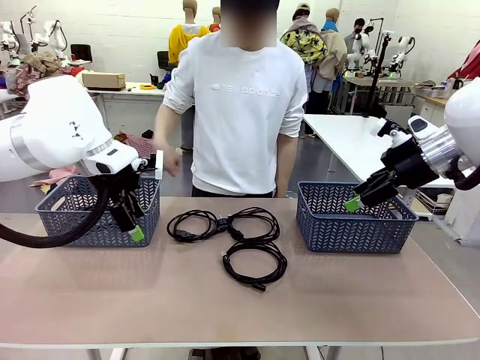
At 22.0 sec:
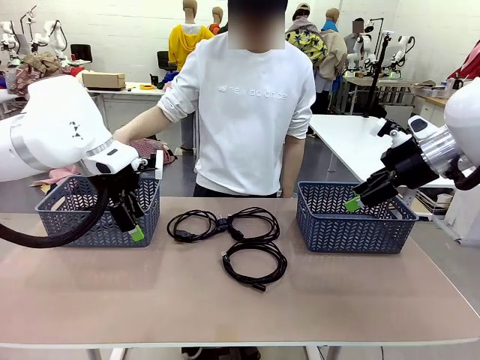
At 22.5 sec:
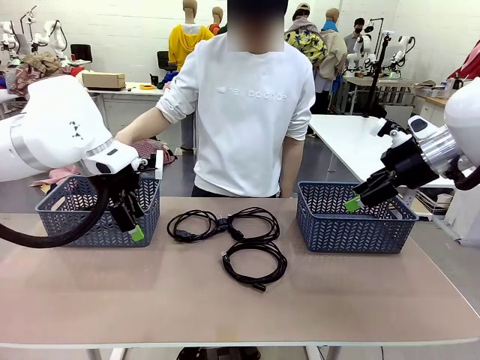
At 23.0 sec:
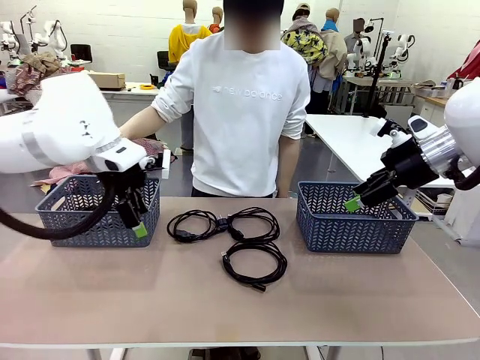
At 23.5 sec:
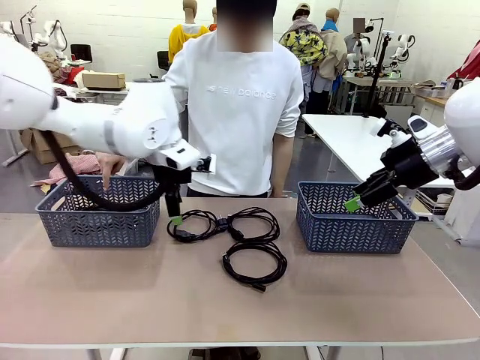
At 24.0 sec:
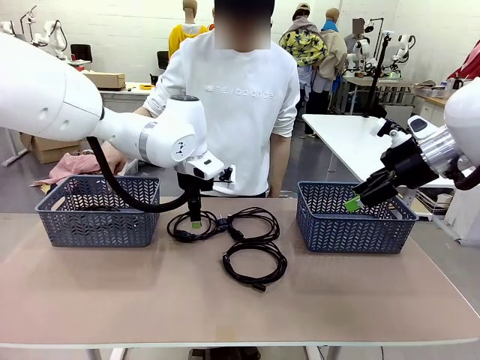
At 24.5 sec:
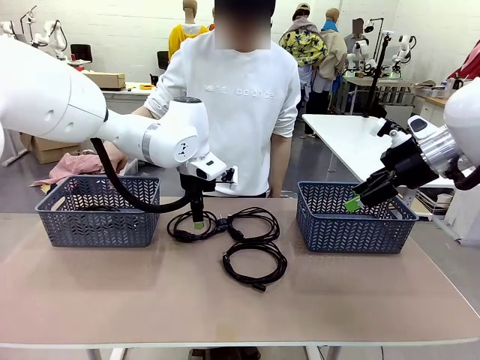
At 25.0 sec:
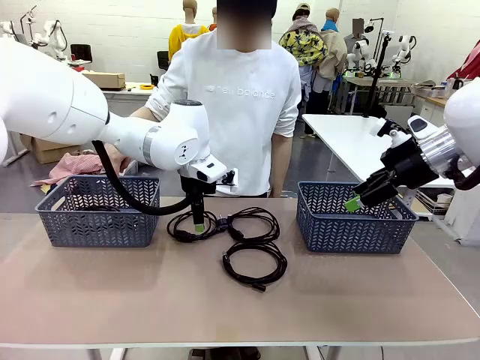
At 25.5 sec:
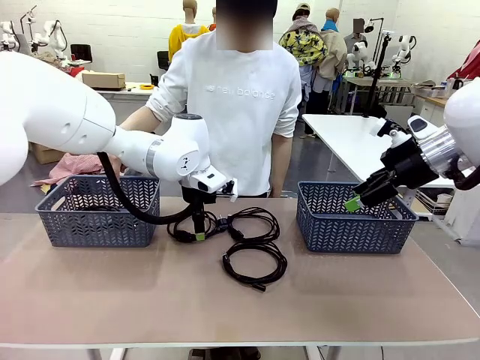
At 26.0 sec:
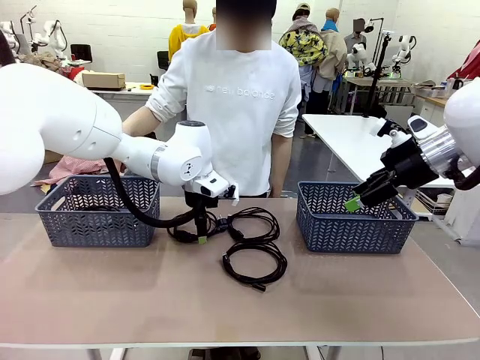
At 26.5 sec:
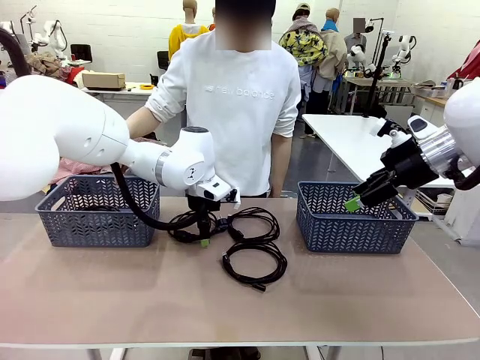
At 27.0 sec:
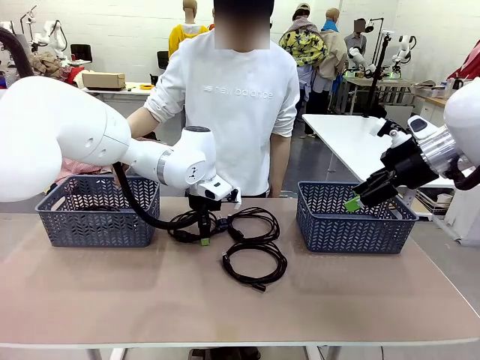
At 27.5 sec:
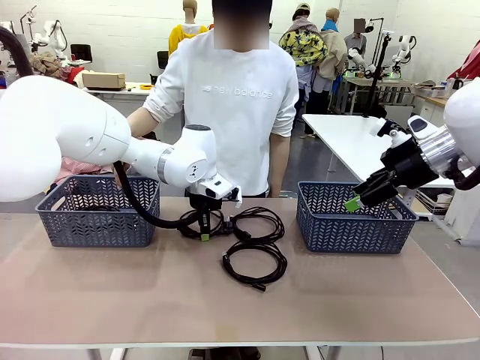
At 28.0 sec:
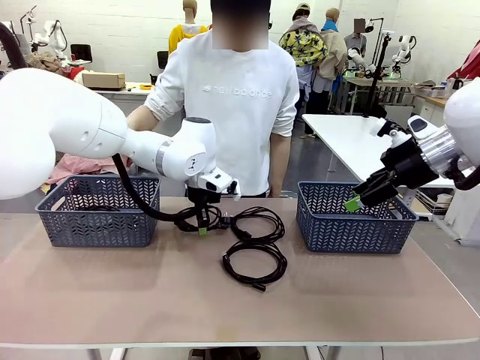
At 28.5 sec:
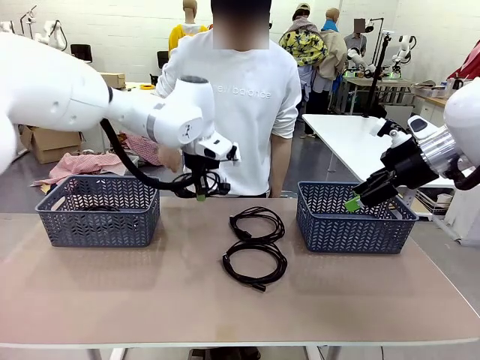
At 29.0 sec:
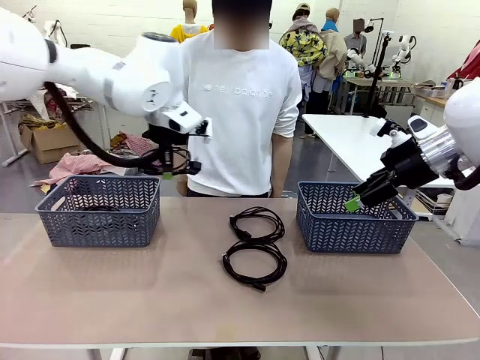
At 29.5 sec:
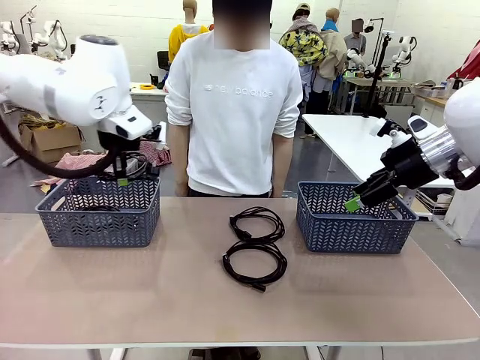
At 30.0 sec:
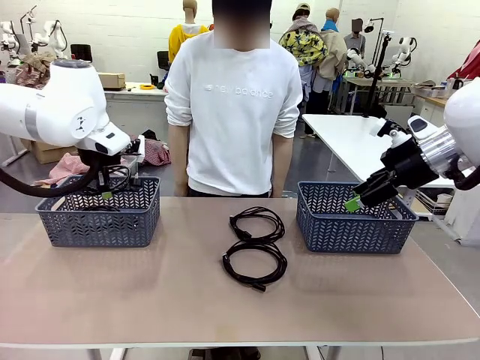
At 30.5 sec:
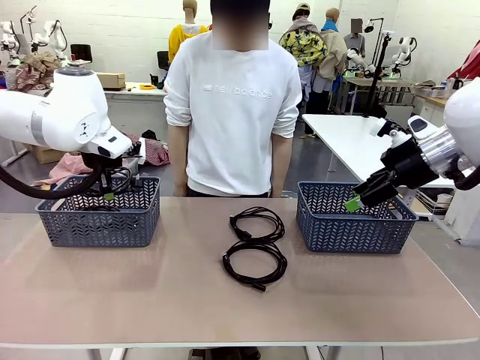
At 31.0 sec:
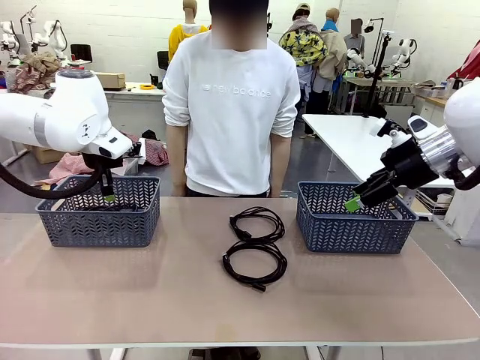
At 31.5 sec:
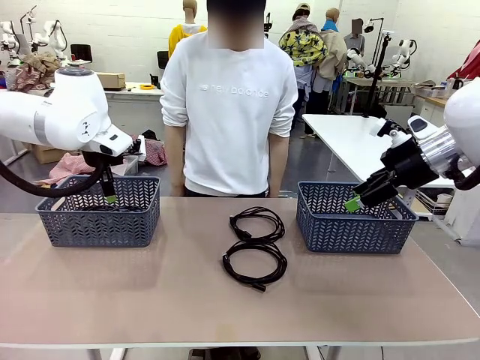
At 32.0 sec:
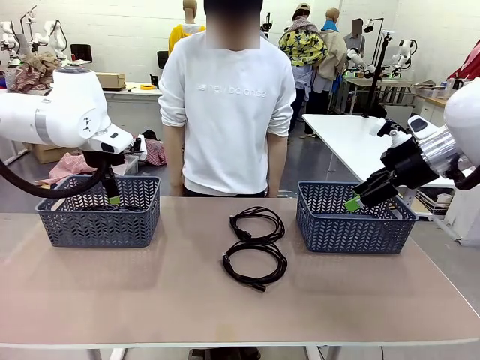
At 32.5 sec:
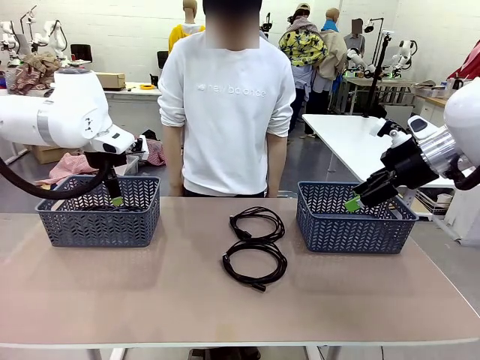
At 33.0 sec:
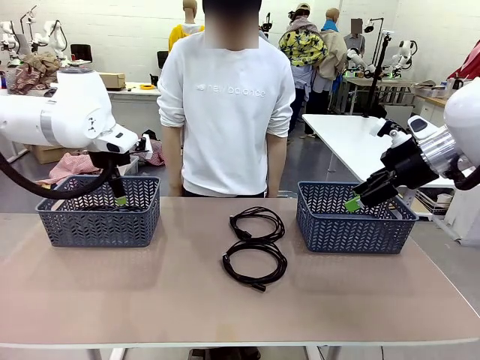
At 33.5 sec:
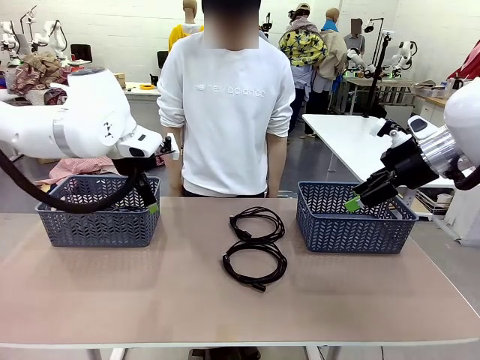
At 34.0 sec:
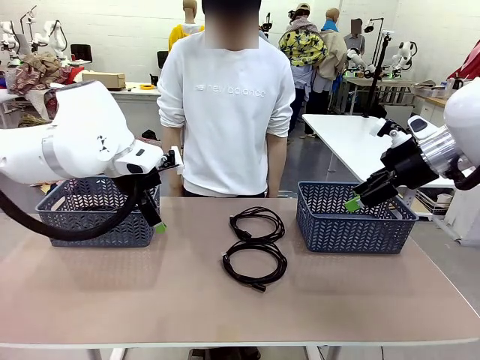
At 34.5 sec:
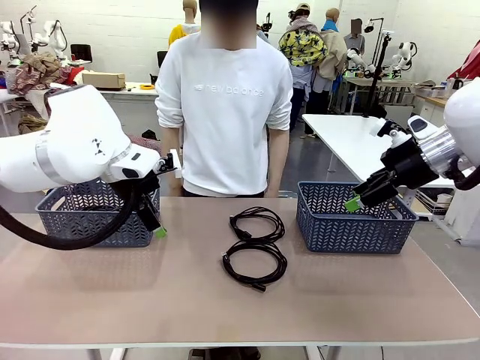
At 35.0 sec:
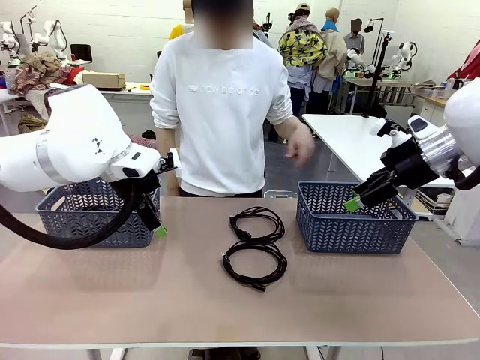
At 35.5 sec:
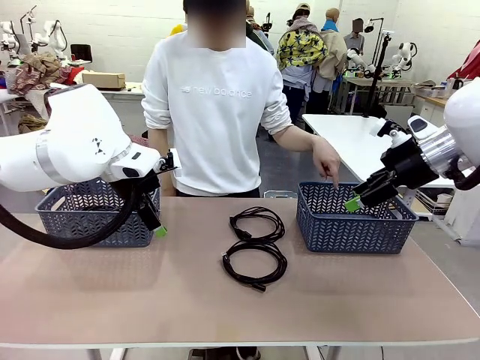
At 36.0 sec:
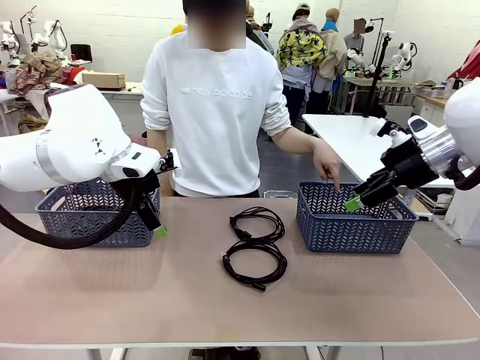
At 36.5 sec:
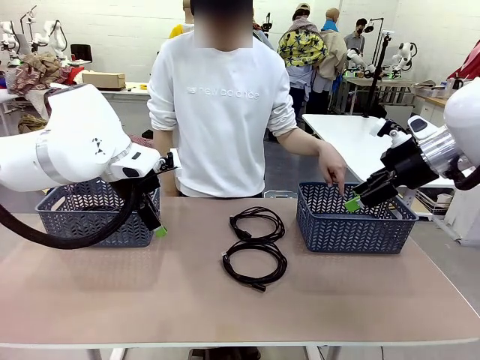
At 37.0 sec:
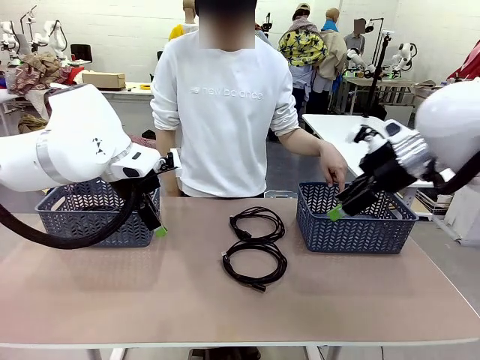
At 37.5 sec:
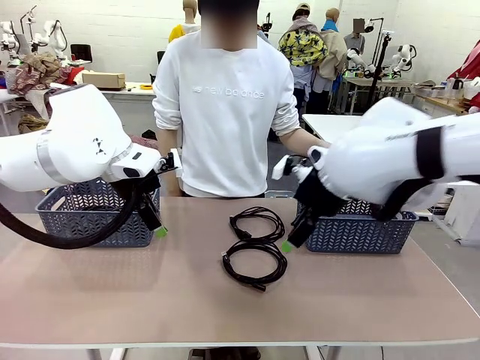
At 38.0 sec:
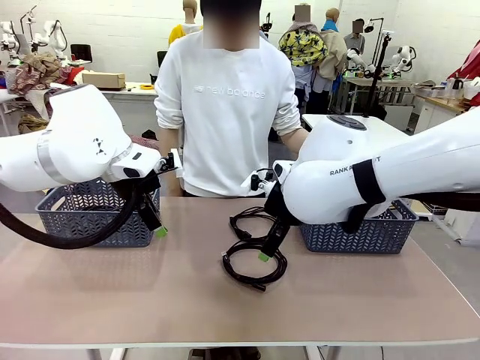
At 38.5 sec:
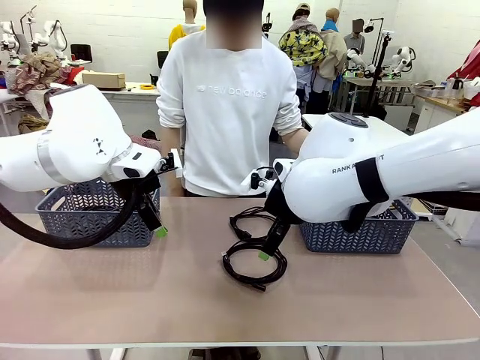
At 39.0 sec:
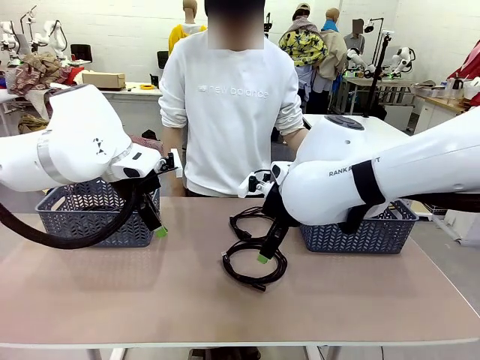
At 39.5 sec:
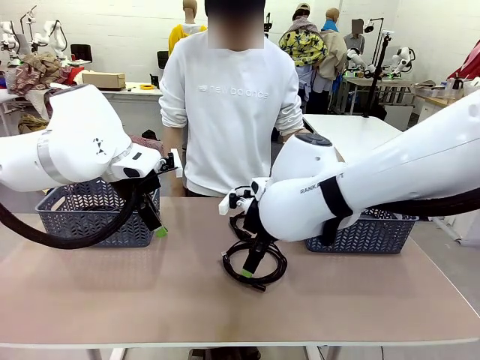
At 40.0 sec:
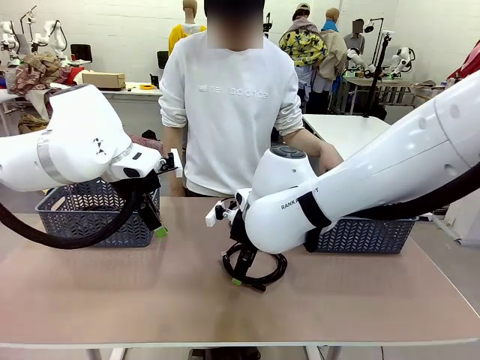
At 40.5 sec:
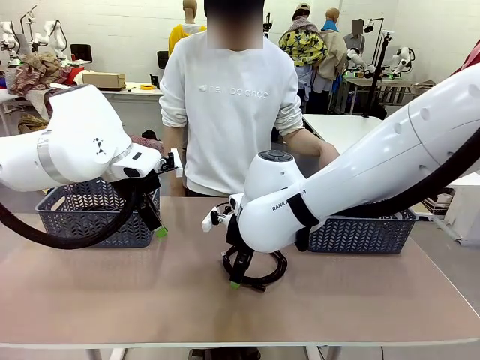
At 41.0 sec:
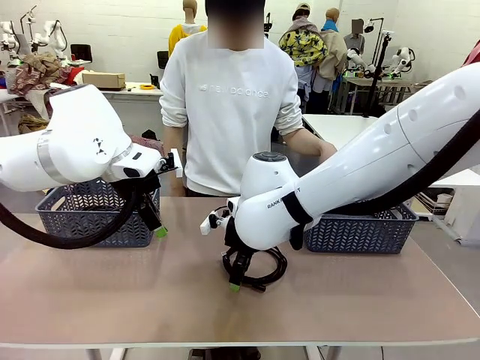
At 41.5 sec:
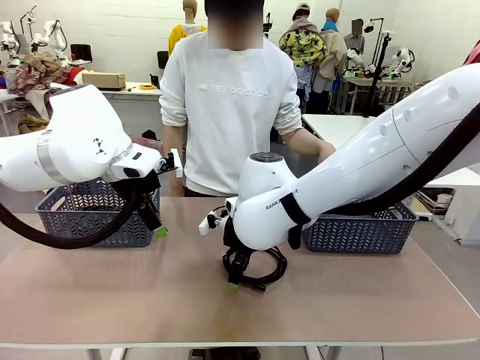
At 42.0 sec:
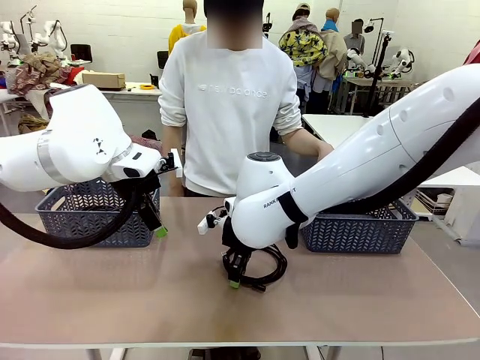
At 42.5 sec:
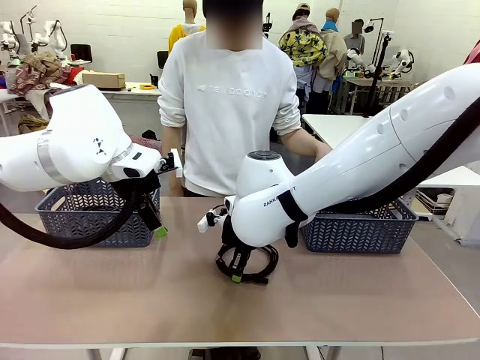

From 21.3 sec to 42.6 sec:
Task: Organize the cables according to human instructions.
Robot: Pick up a bundle of cables and place it in the basket indicated by the human.

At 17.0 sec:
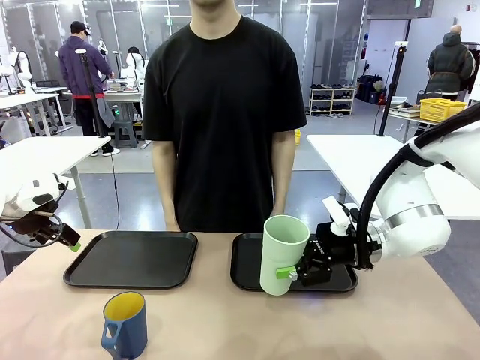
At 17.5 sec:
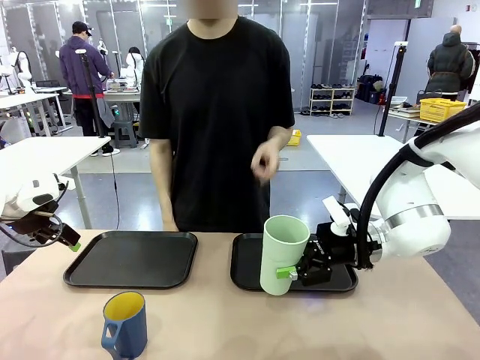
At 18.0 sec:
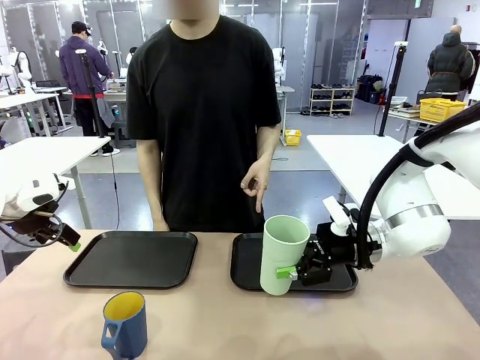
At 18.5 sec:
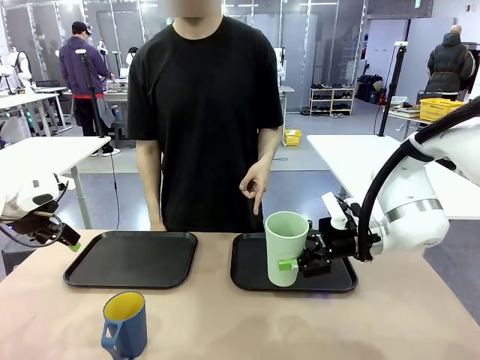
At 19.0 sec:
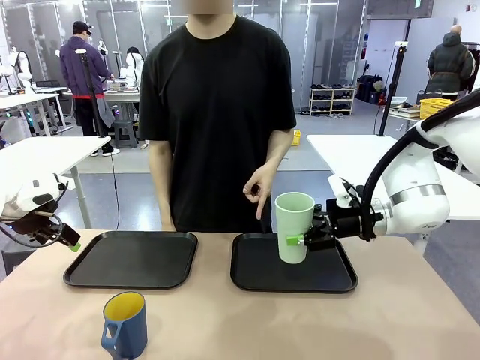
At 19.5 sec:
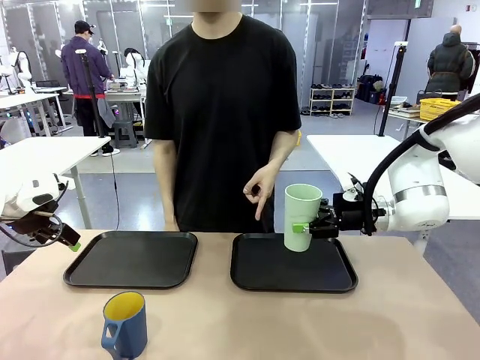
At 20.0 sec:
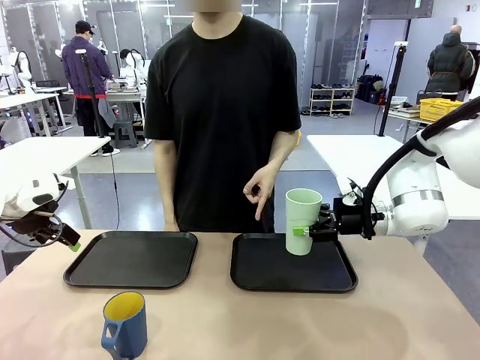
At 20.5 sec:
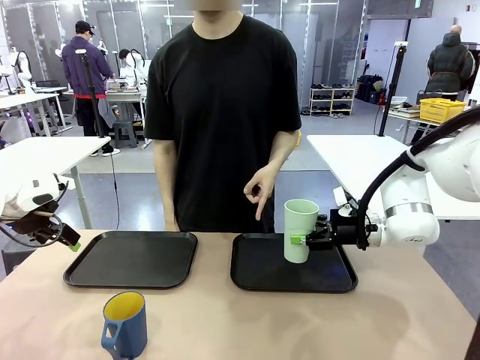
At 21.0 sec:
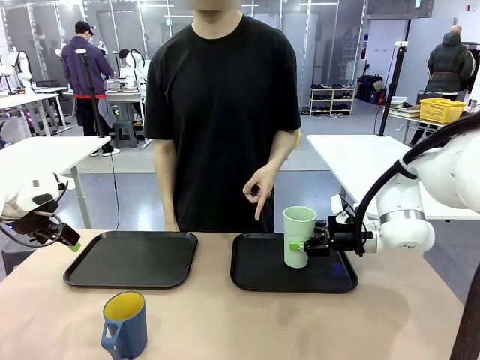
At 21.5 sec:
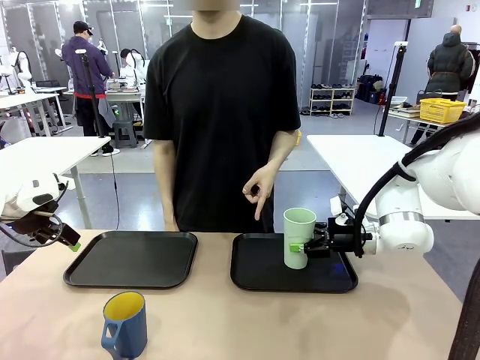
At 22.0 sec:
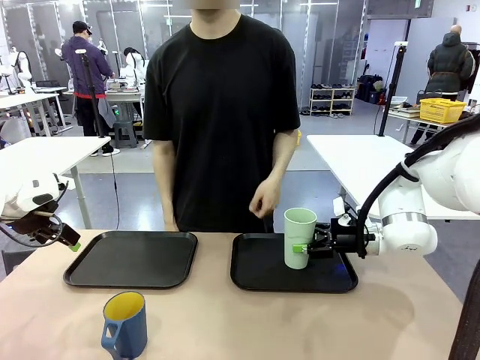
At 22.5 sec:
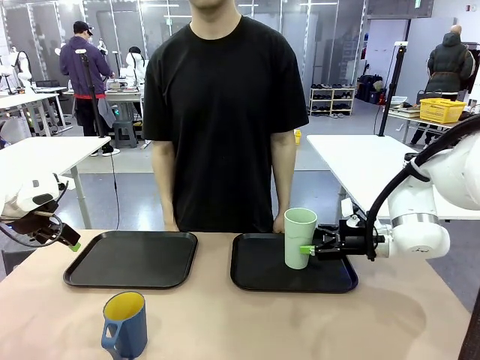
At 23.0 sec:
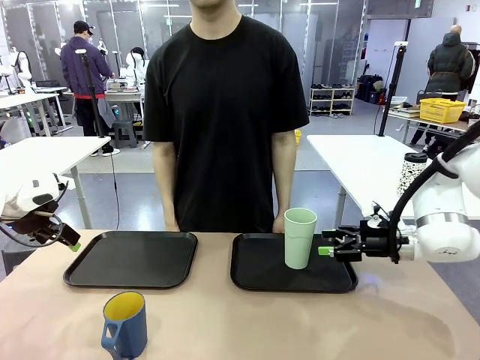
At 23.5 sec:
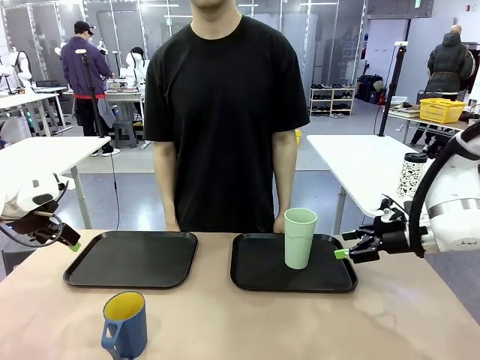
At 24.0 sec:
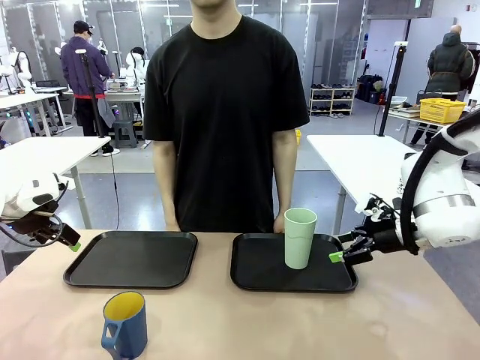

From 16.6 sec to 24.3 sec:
Task: Sort and store the cups by type.
Robot: Place the picked Reusable plastic cup into the Flat Tray indicated by the person.
